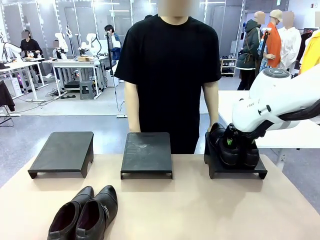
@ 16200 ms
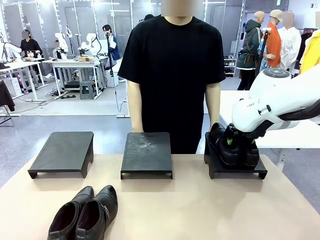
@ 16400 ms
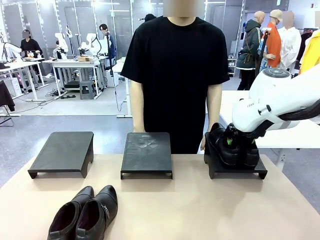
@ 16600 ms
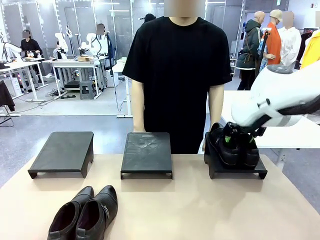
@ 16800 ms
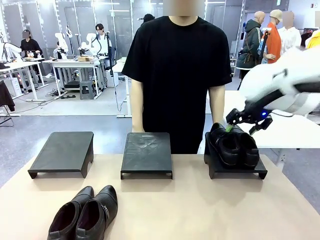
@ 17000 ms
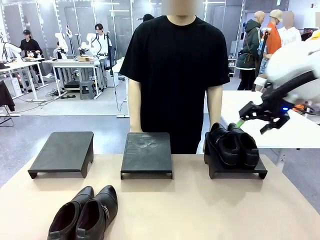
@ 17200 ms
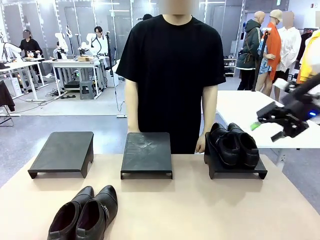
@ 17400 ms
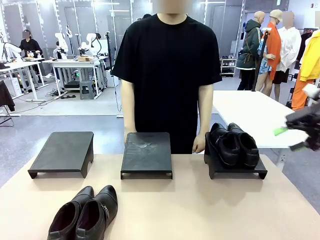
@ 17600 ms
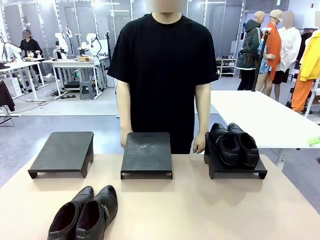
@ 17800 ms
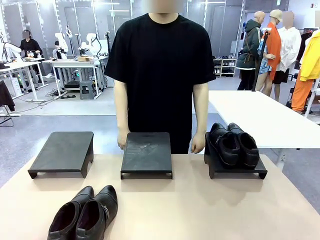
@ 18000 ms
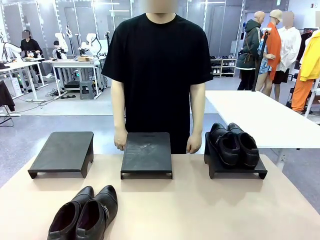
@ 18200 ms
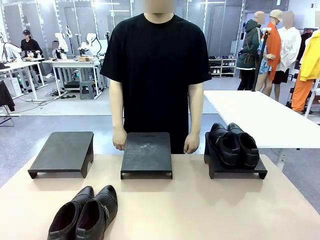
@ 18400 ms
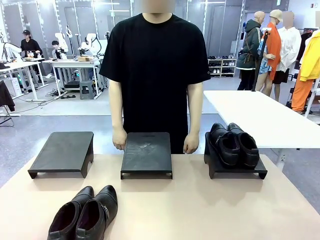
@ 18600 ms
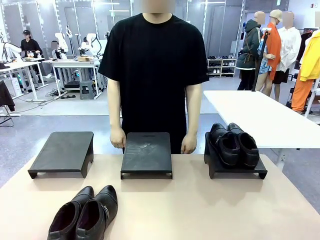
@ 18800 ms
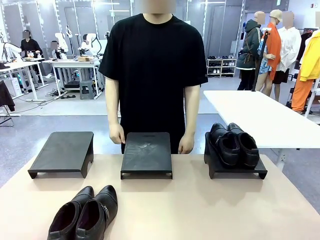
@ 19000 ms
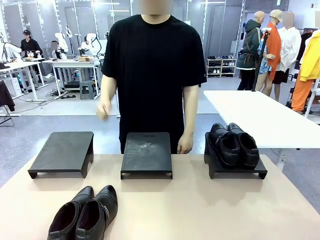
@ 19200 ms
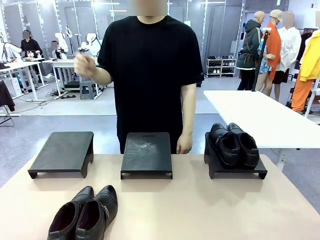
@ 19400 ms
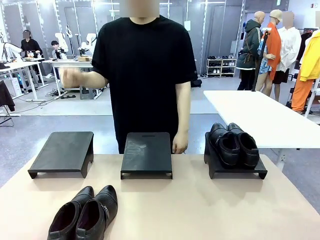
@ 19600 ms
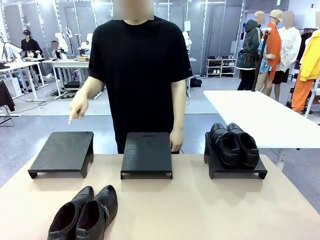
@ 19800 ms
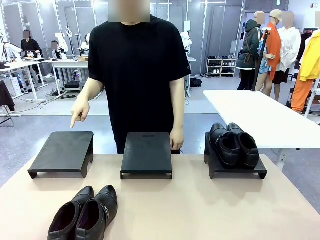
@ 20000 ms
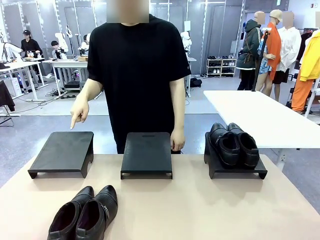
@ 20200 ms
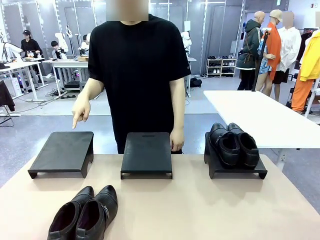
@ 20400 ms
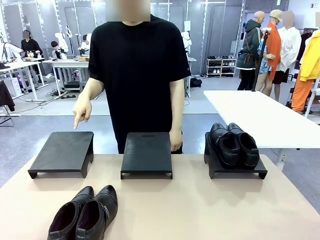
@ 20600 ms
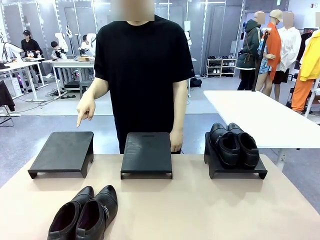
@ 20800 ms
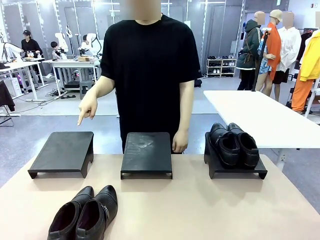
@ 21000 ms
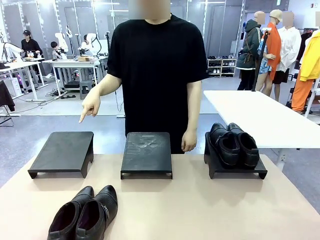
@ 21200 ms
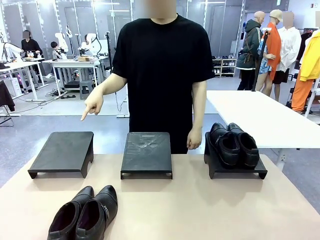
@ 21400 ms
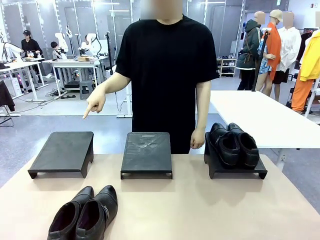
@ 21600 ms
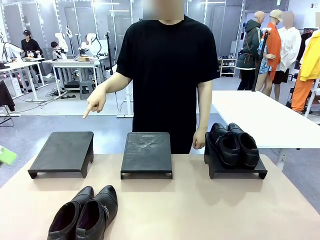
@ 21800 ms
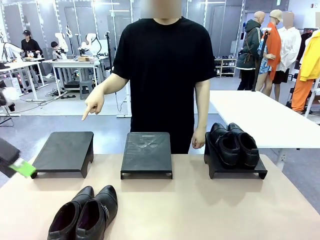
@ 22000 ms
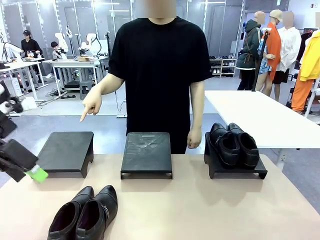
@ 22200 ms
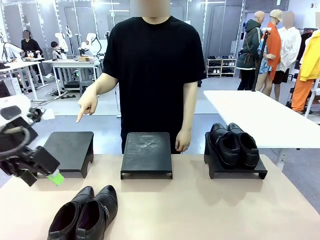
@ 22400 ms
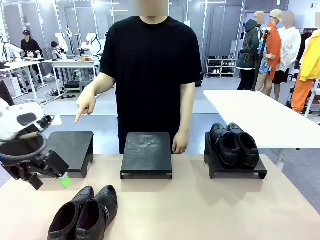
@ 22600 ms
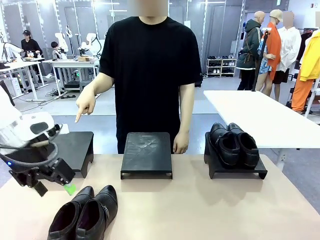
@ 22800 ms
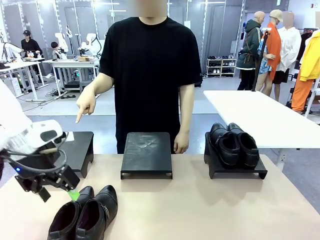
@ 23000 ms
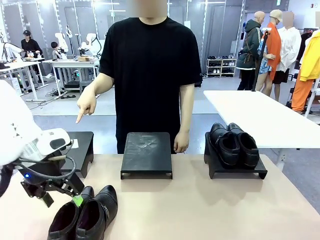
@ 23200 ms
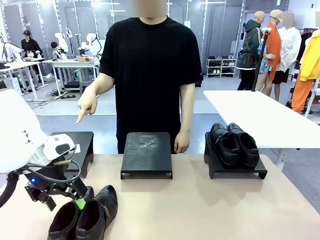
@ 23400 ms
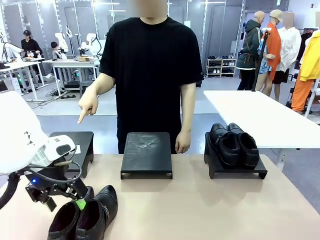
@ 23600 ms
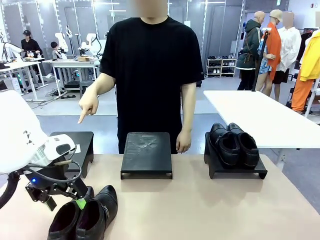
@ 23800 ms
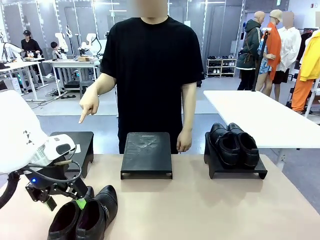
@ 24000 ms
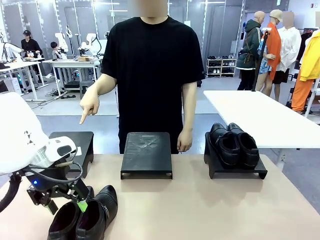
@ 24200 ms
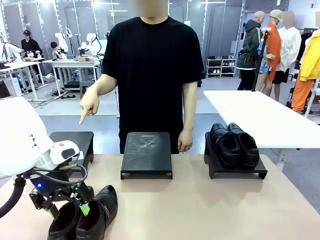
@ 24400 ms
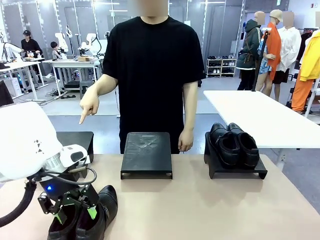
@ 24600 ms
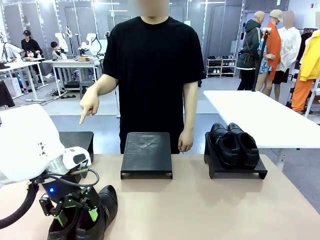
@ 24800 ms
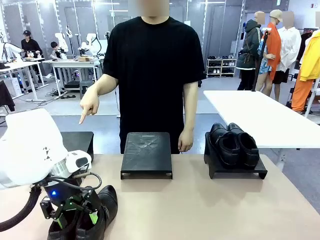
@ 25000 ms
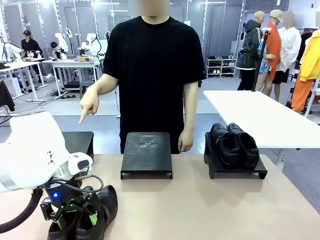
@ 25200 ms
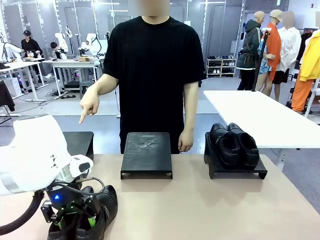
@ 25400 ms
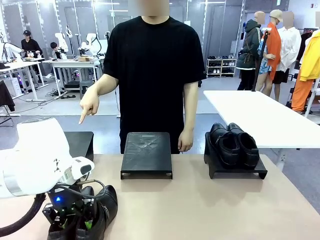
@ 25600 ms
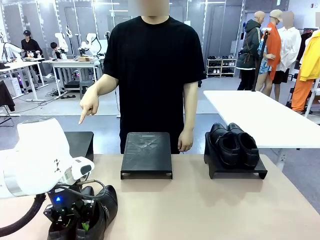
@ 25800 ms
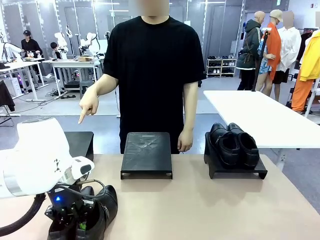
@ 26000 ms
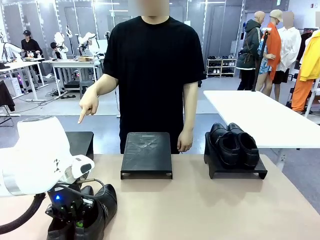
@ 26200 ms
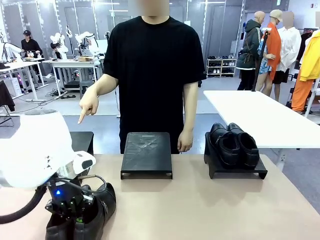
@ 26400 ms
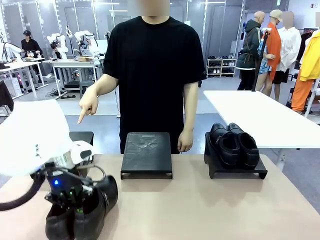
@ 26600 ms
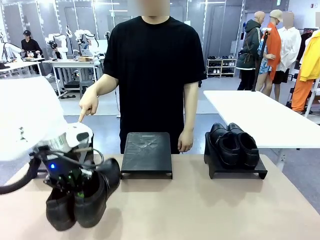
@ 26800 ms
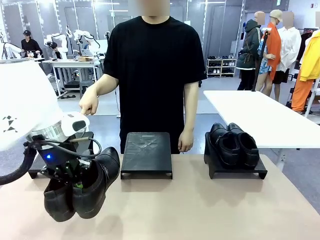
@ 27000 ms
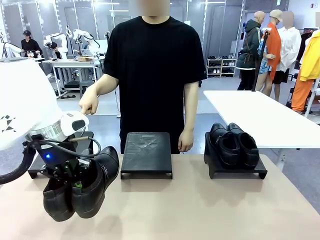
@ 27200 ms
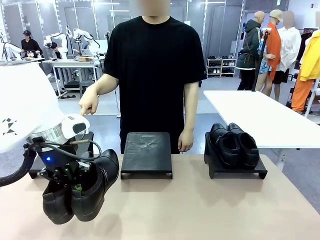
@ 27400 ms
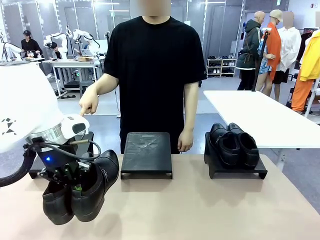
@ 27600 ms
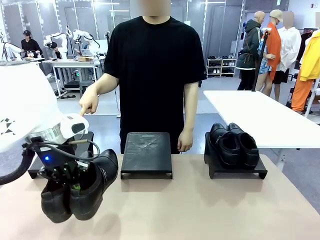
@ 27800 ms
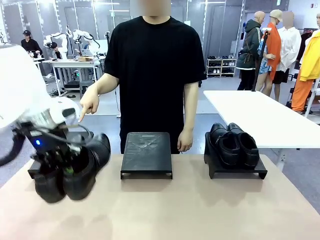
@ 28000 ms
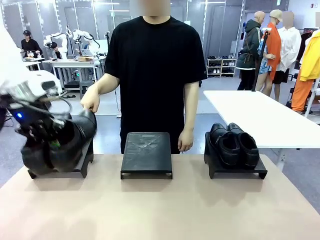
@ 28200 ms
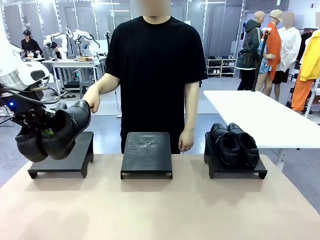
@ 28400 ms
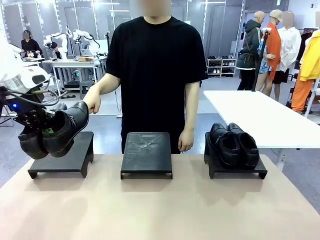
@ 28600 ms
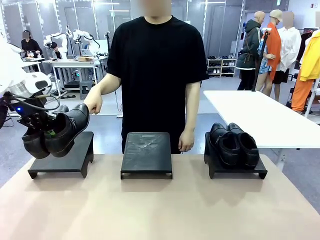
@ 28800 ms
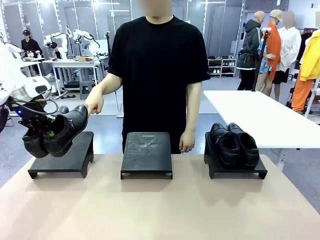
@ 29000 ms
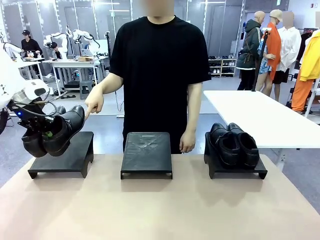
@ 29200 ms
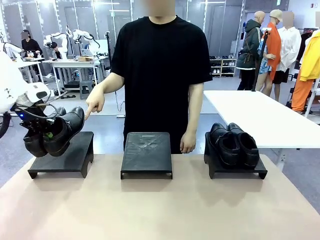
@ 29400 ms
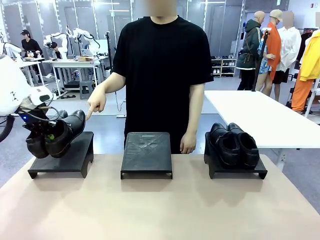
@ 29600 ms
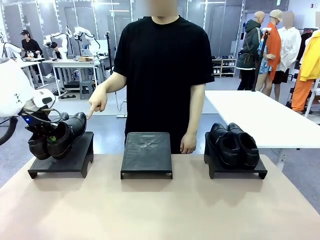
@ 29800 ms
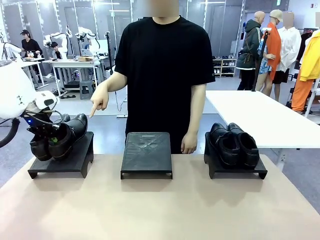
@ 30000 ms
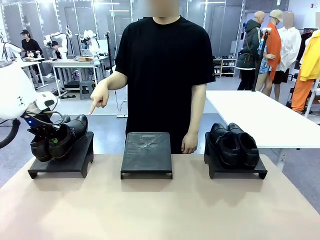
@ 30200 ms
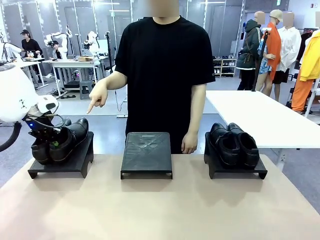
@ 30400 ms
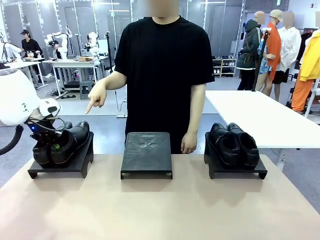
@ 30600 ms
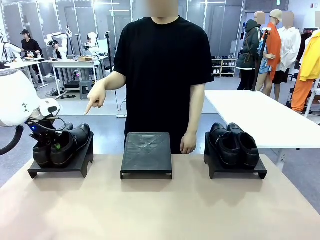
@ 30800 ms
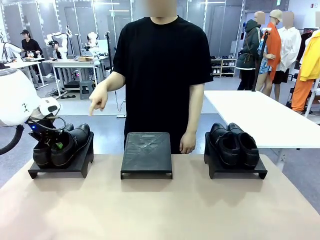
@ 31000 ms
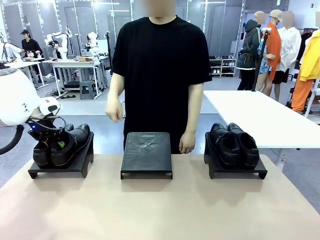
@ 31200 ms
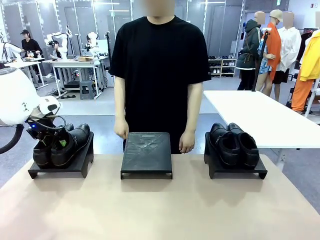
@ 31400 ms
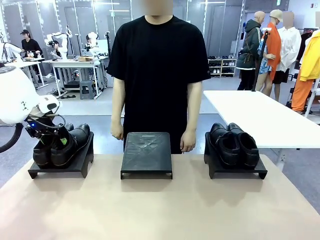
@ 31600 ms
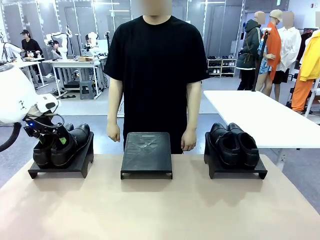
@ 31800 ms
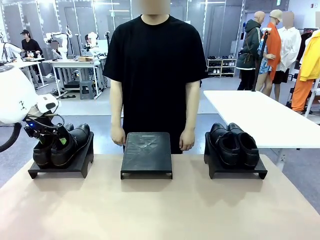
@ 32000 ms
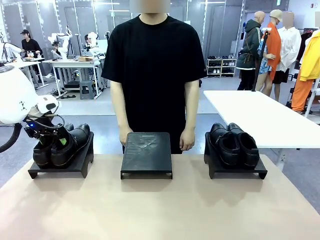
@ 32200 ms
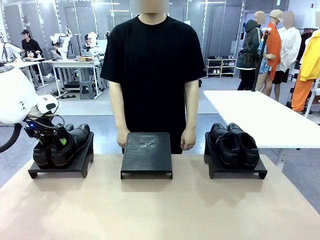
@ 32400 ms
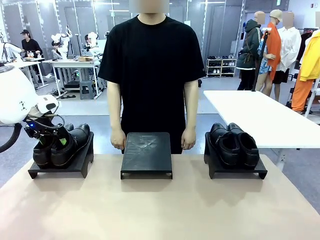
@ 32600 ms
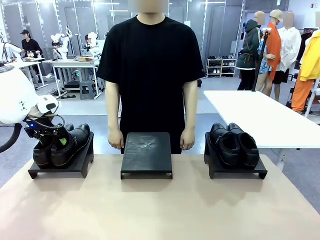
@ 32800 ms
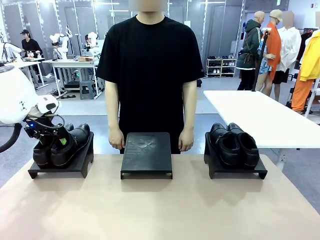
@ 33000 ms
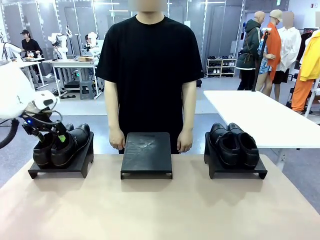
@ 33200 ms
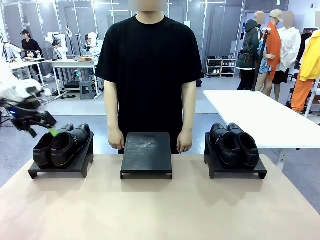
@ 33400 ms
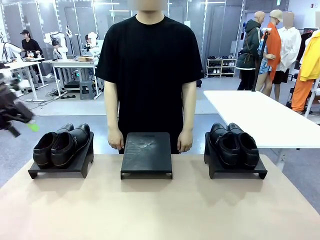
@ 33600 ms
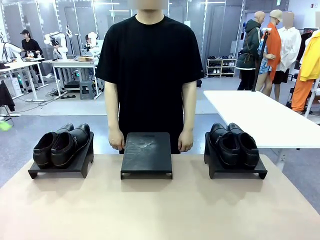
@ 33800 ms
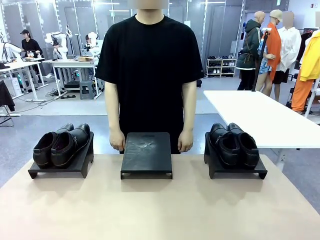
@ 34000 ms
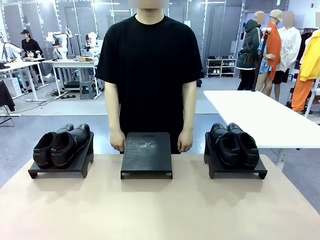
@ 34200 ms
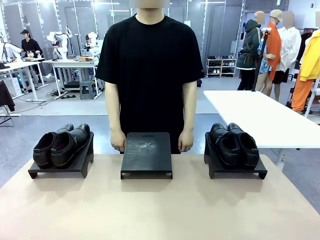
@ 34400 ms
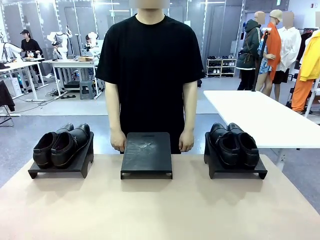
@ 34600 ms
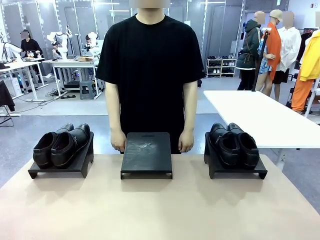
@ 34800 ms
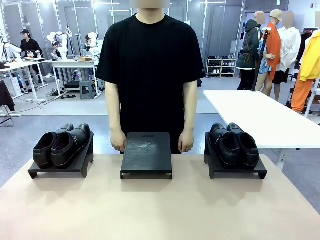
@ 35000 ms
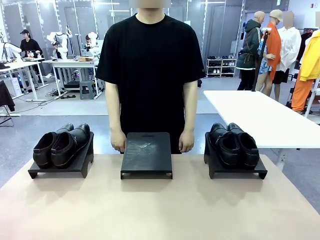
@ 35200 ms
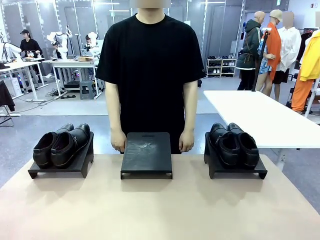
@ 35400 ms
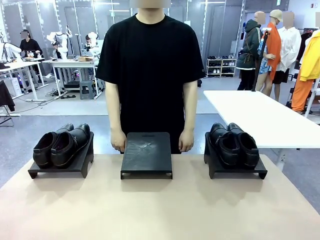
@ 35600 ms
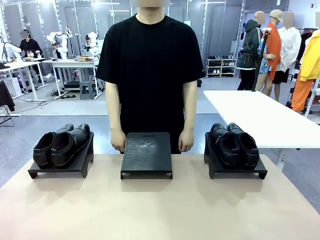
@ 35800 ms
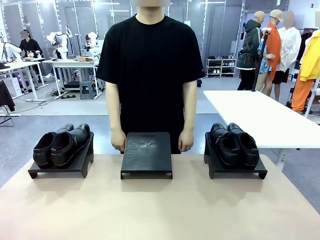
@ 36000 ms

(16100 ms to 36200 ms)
Task: Place the shoes on the stand as instructed by the person.
Robot: Pick up another pair of Shoes and place it on the Shoes Stand indicated by the person.
Person: Point to one Shoes Stand.
